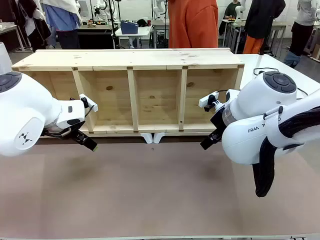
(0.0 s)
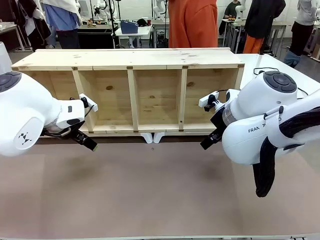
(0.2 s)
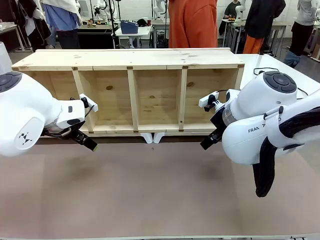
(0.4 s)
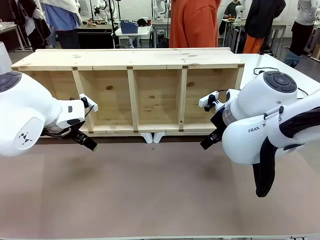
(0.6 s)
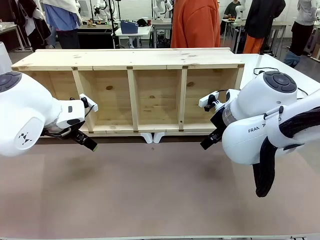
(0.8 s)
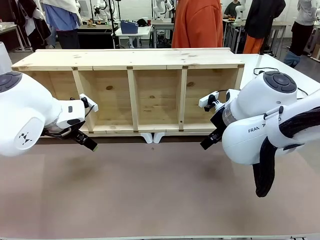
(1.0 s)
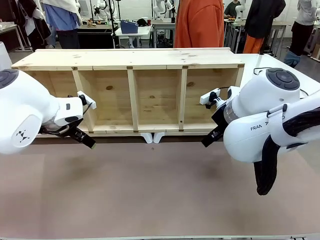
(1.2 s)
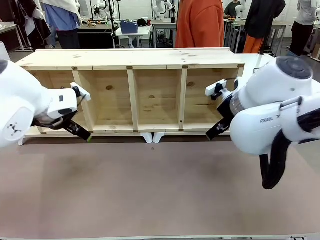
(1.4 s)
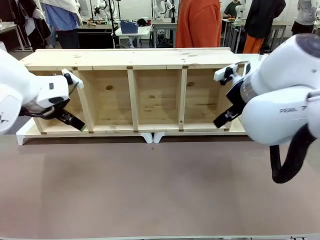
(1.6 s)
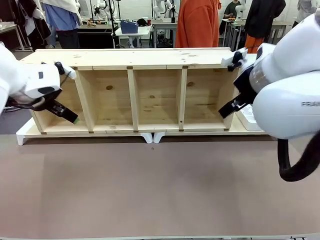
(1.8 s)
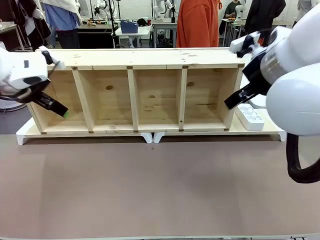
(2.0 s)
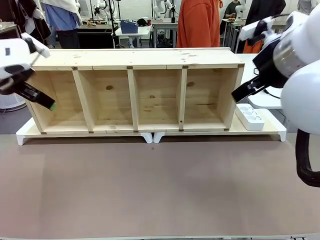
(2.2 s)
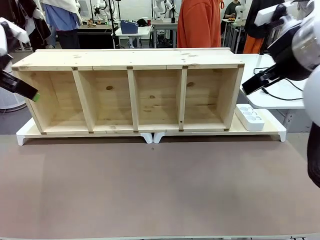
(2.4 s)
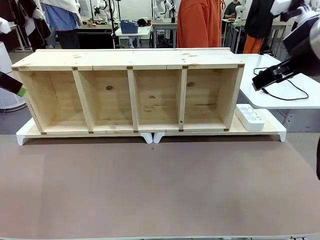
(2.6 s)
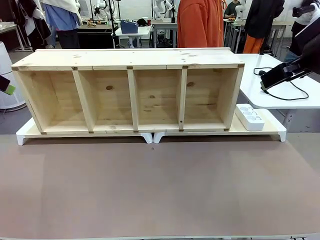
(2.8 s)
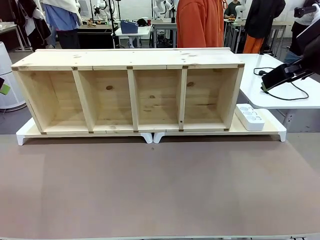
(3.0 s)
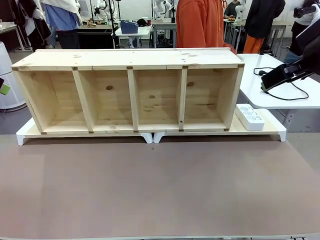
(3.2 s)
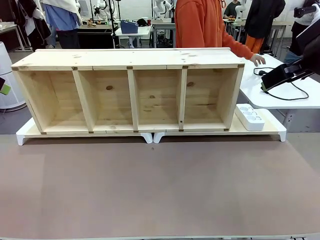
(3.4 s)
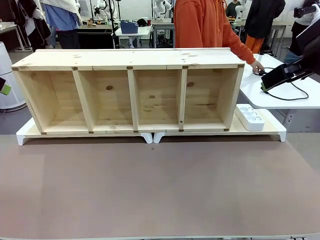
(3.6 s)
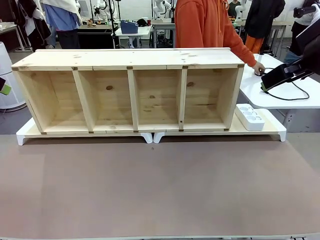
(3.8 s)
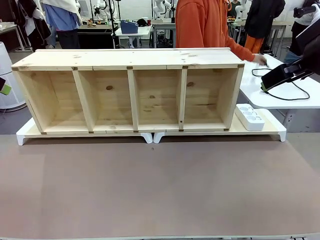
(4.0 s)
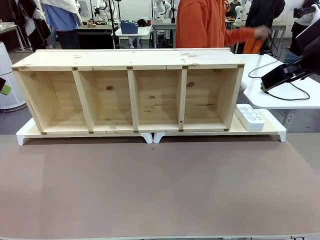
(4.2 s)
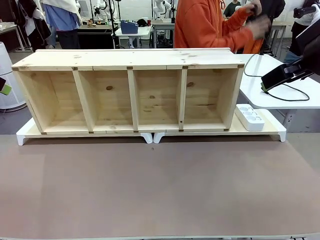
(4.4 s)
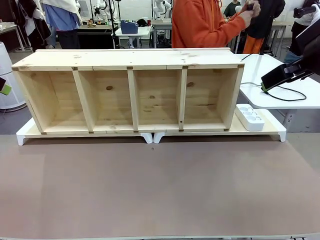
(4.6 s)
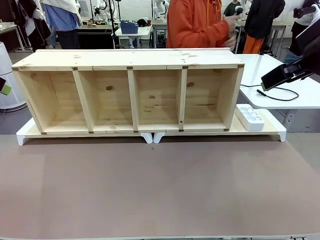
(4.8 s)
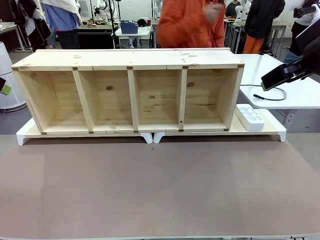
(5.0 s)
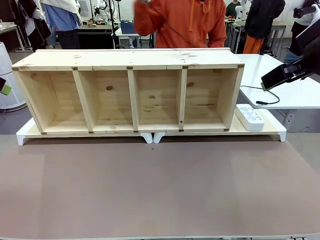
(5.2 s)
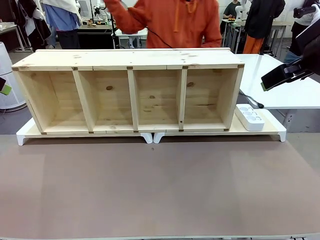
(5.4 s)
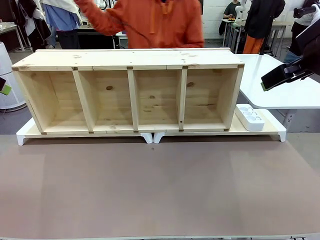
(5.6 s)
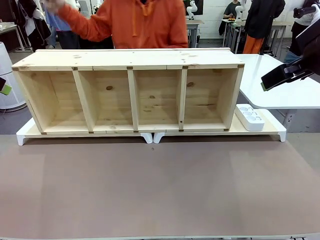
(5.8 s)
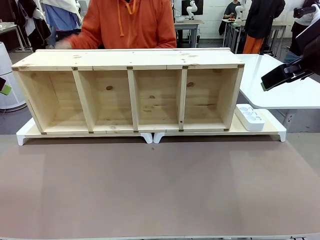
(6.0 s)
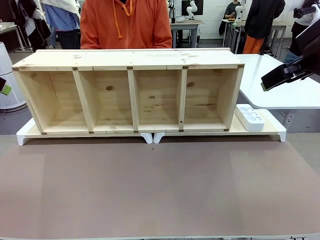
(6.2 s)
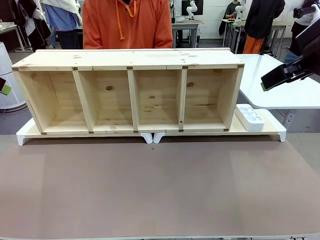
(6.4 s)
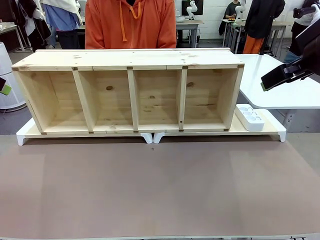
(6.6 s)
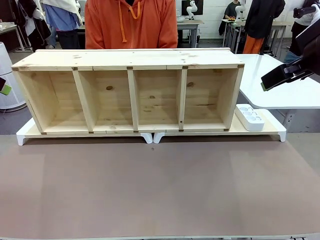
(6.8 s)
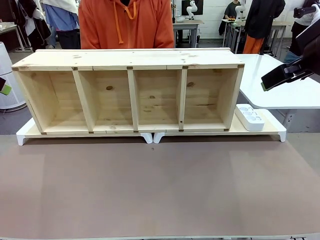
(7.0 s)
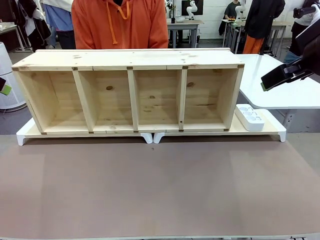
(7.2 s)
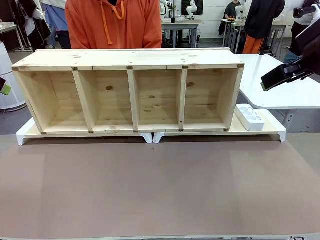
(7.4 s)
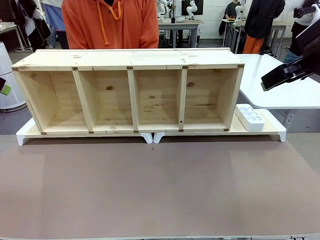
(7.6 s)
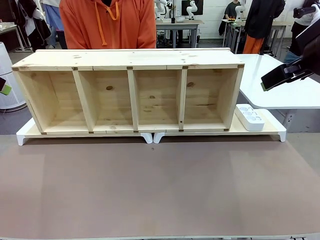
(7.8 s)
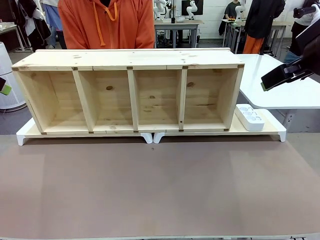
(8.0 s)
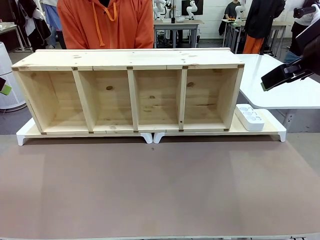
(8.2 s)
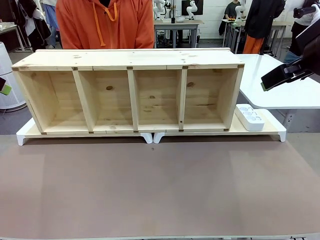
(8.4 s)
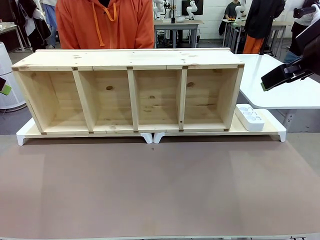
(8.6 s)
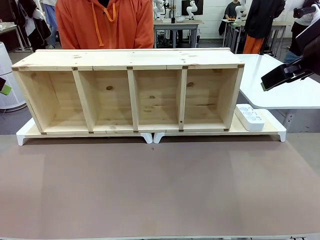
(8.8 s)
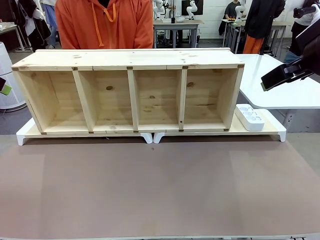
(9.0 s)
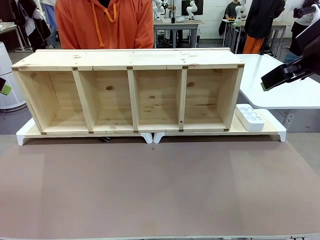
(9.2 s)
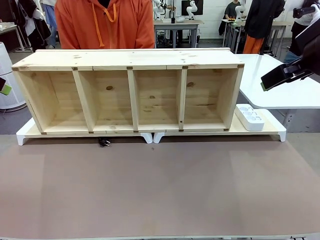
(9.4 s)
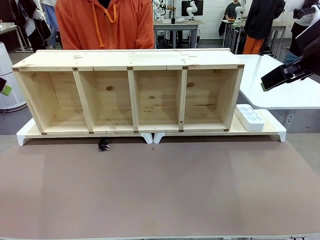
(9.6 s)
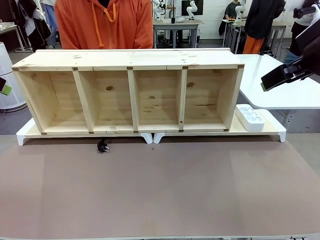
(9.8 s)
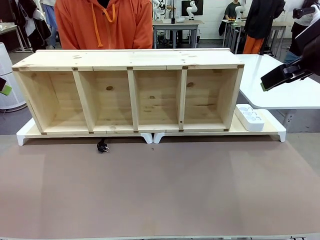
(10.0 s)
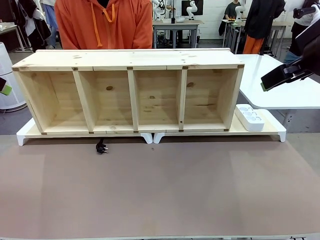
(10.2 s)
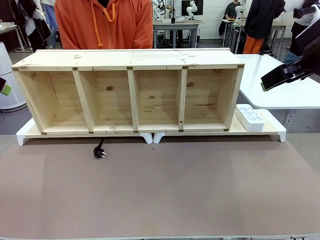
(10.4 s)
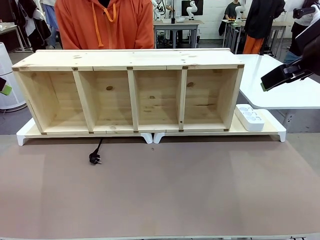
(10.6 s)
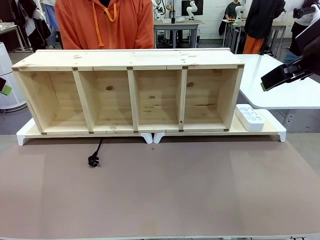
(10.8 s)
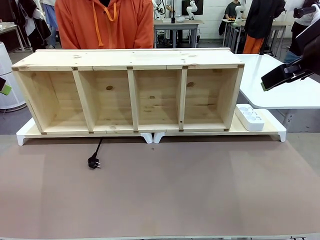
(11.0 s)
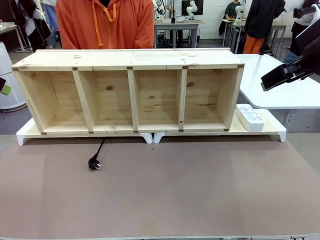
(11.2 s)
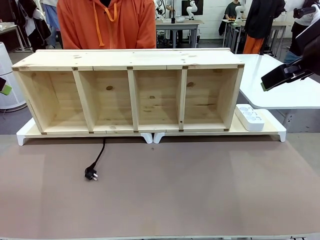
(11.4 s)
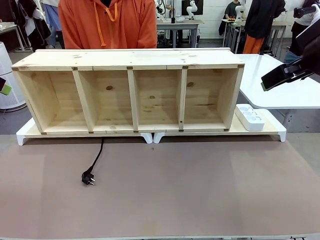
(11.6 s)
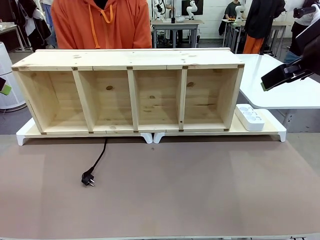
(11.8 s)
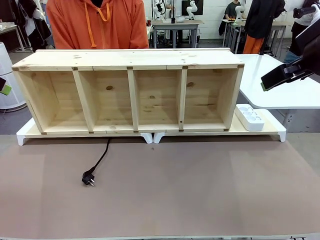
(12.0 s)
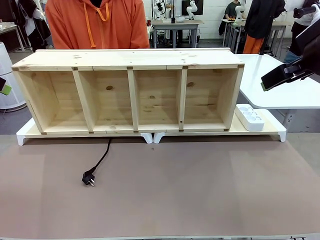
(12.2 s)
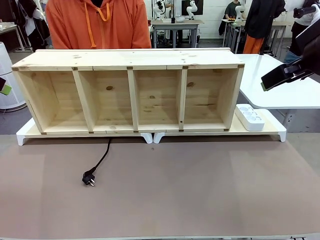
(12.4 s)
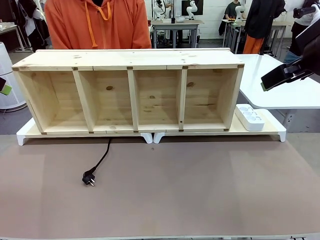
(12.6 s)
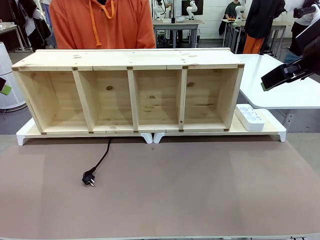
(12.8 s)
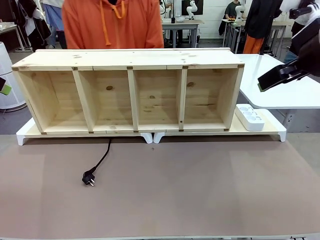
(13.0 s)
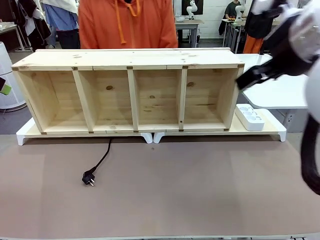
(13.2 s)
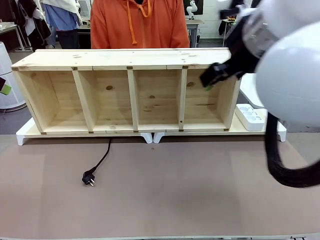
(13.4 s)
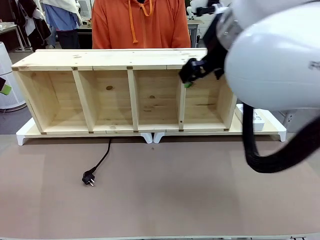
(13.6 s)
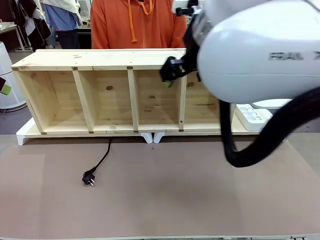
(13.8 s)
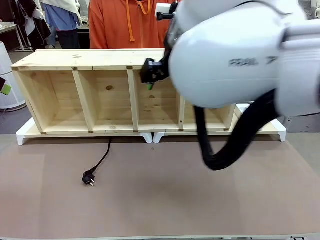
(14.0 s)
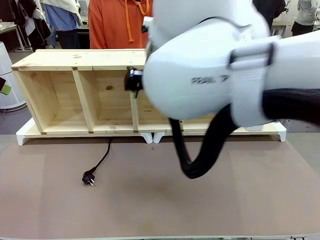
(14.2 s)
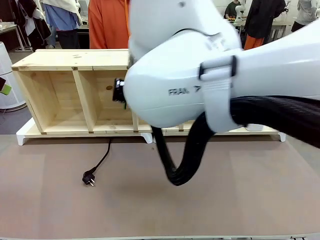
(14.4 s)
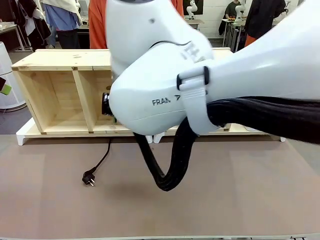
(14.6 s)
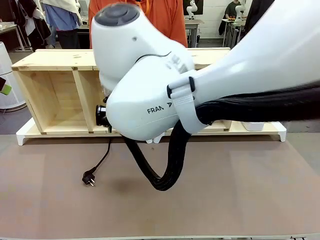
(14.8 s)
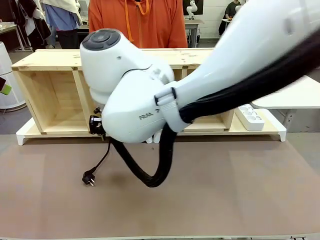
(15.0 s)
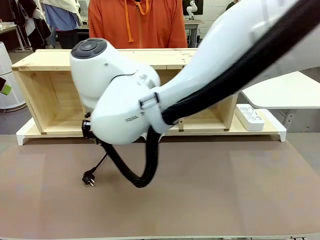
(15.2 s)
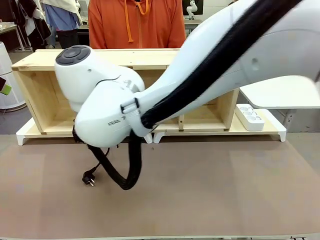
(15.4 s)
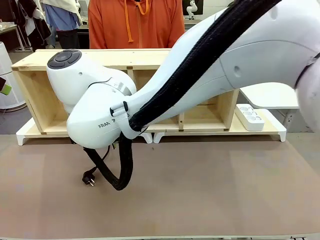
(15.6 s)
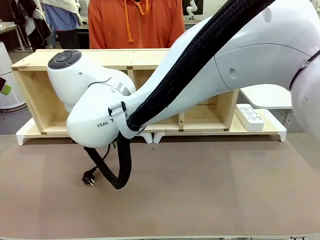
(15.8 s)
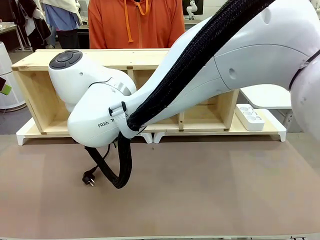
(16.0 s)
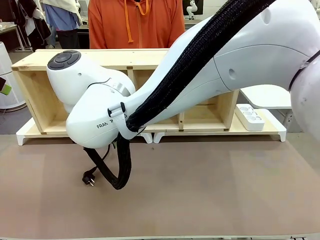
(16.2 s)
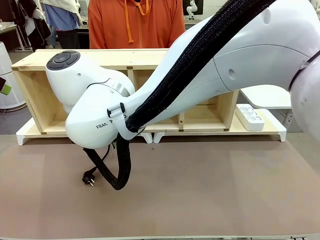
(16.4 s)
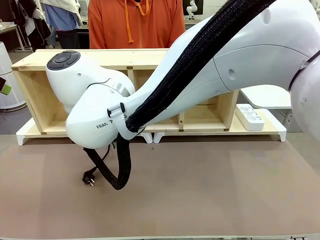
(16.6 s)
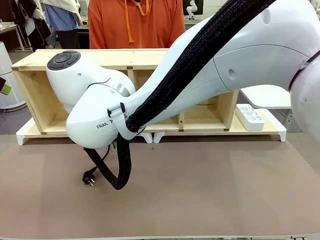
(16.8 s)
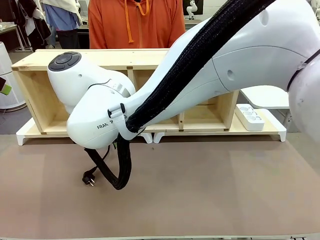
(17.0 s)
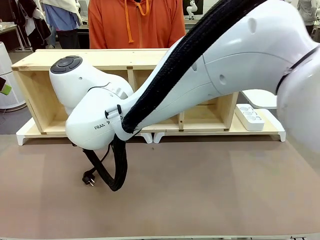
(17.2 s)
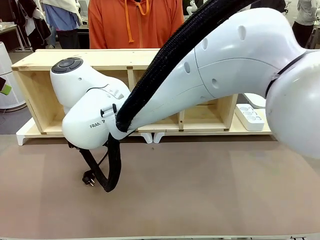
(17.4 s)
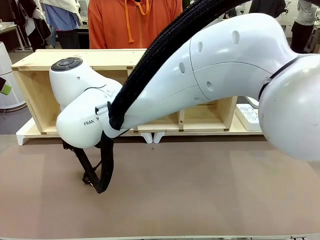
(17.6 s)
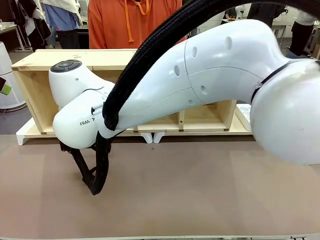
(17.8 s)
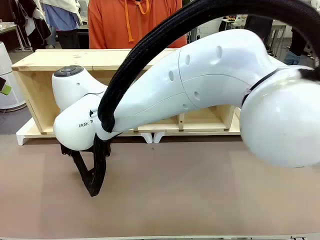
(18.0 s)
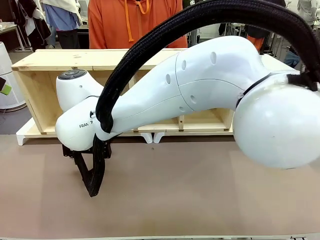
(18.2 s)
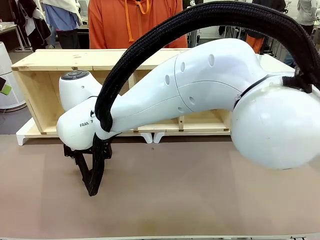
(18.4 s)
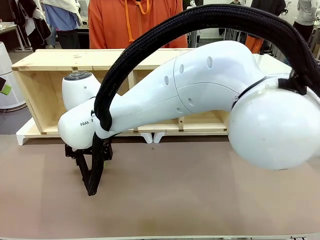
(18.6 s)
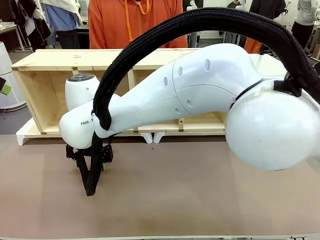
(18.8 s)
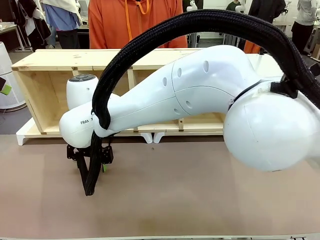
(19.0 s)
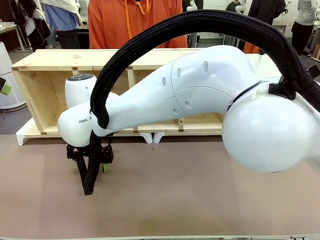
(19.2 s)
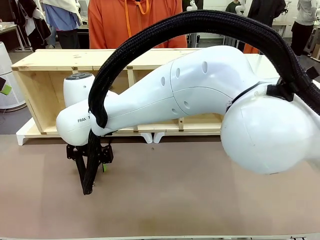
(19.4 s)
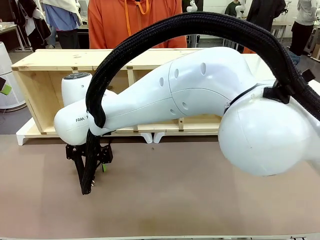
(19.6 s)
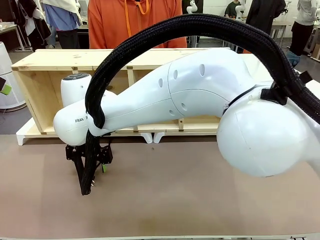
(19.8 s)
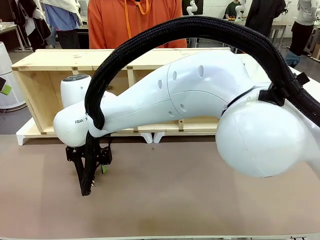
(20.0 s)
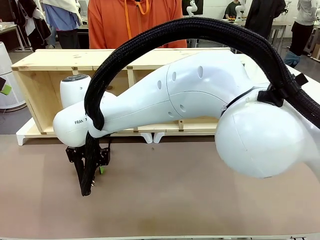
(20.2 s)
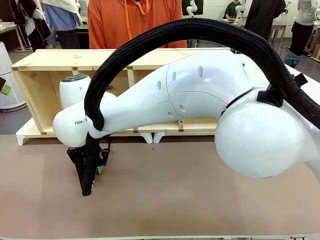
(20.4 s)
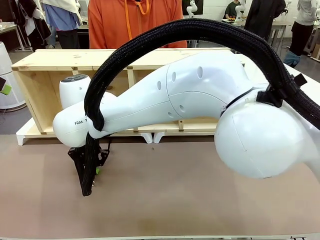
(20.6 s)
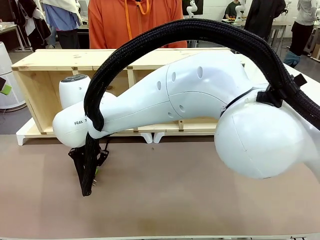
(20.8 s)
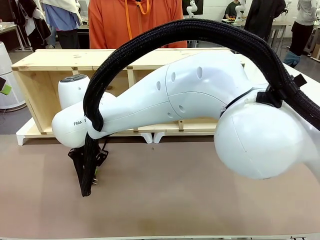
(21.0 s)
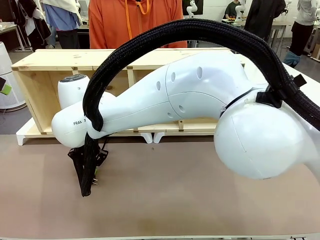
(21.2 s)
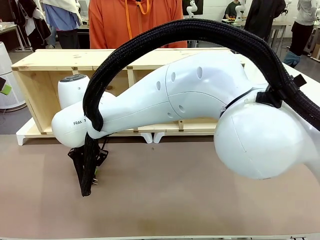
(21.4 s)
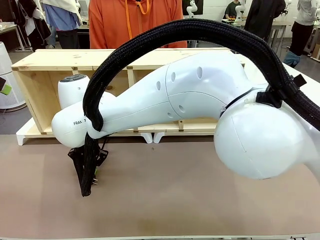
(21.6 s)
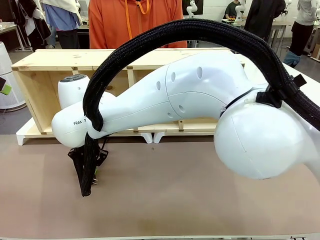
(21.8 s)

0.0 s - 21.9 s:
Task: Perform cable management.
Robot: When the cord part of the Power Cable appears at the lower middle area of the table and stops, grasp the cord part of the Power Cable.
Person: Pass the Power Cable under the Serving Table.
